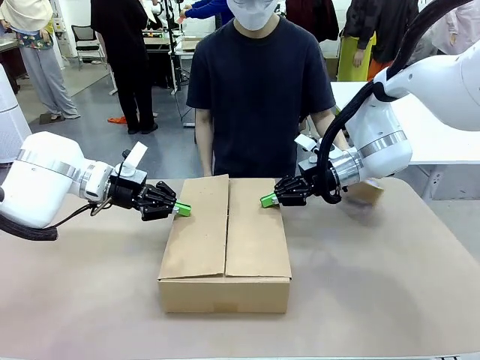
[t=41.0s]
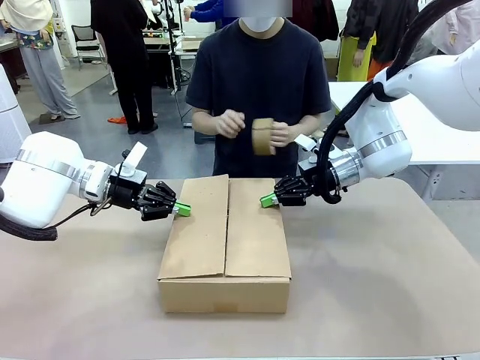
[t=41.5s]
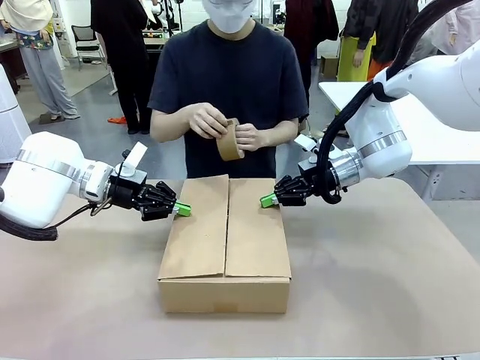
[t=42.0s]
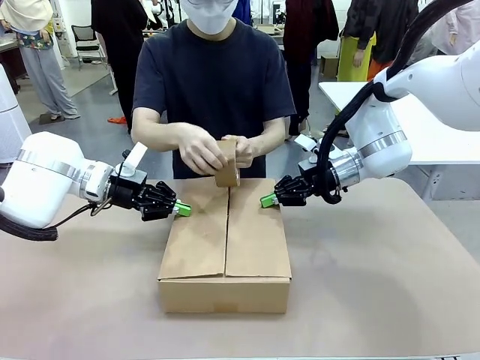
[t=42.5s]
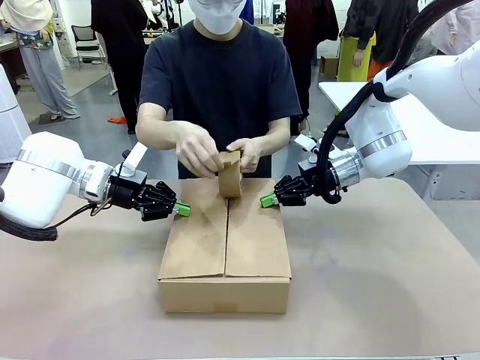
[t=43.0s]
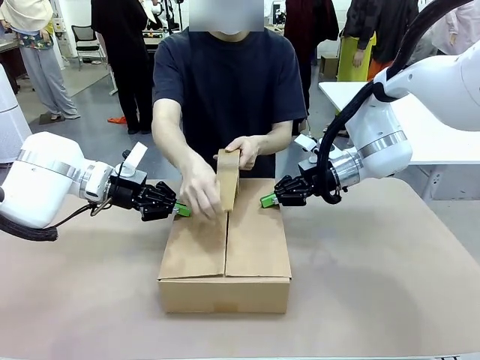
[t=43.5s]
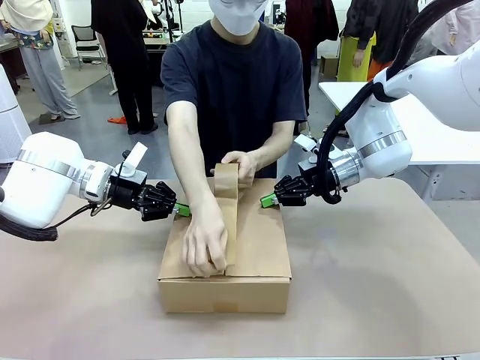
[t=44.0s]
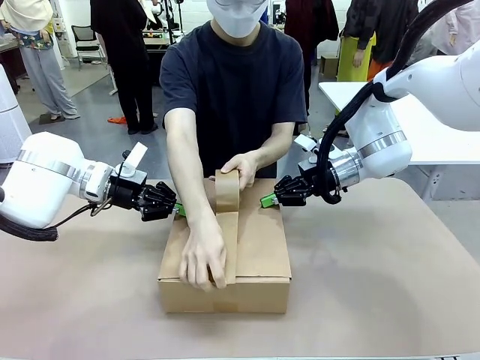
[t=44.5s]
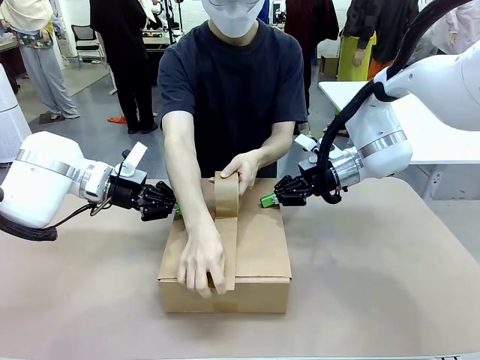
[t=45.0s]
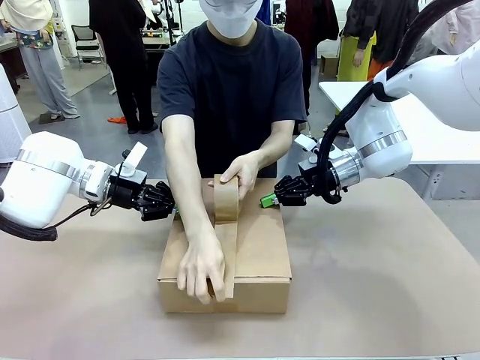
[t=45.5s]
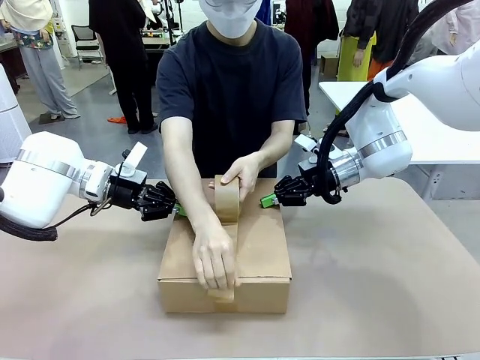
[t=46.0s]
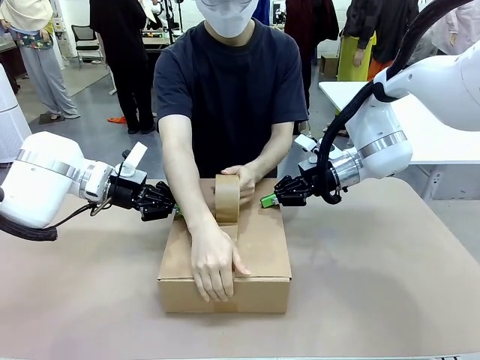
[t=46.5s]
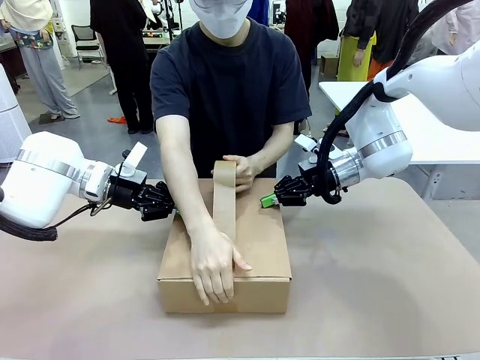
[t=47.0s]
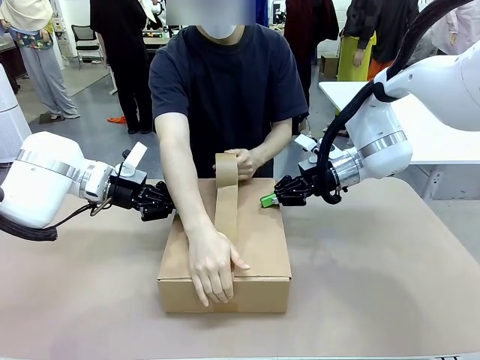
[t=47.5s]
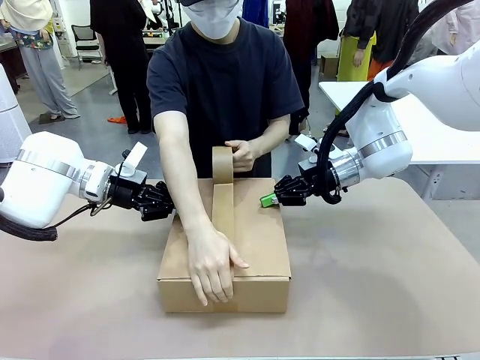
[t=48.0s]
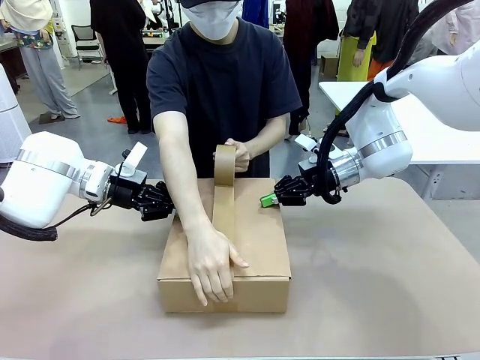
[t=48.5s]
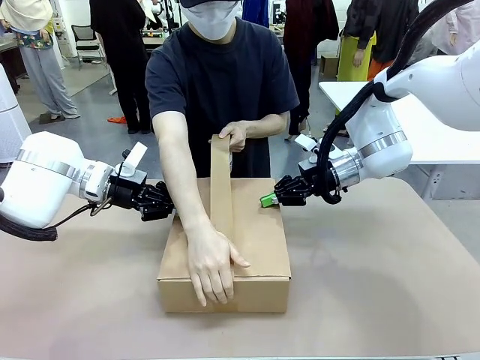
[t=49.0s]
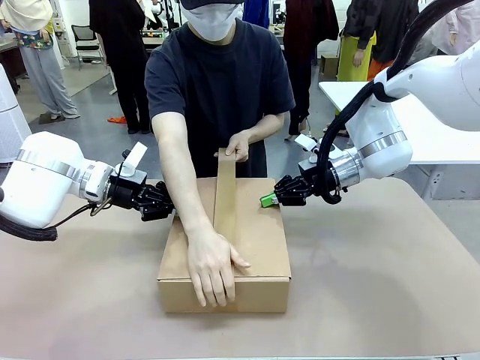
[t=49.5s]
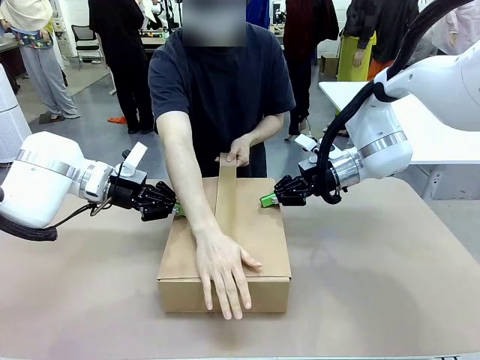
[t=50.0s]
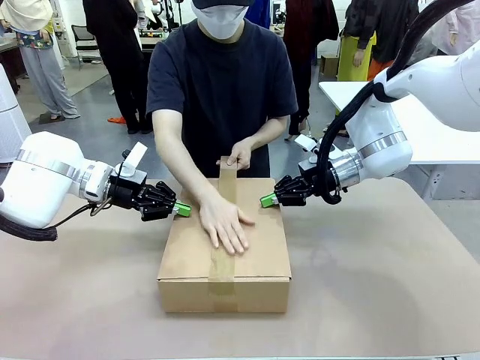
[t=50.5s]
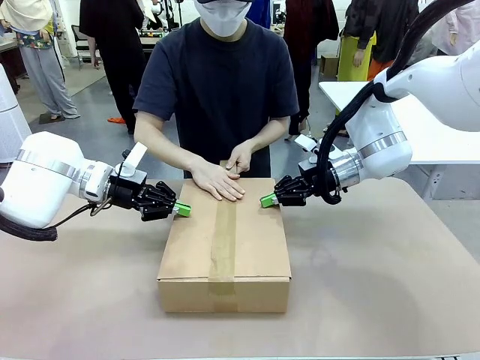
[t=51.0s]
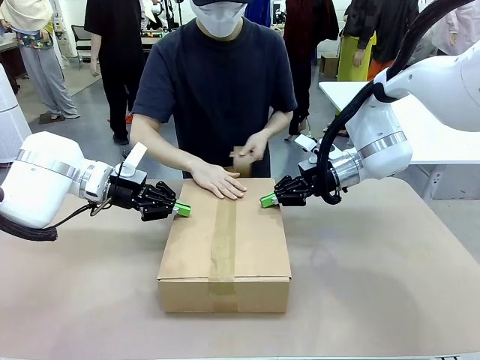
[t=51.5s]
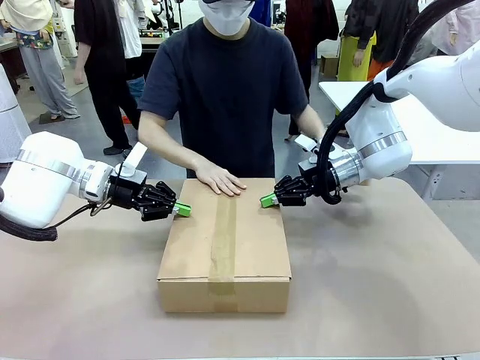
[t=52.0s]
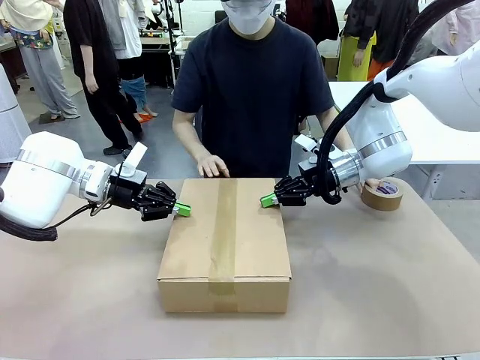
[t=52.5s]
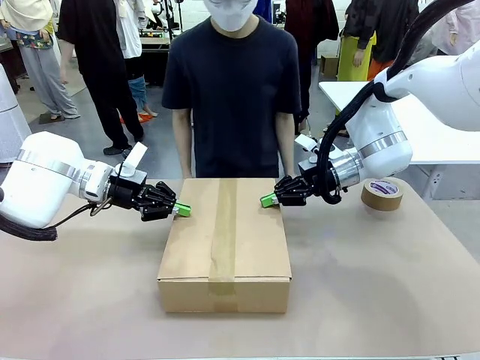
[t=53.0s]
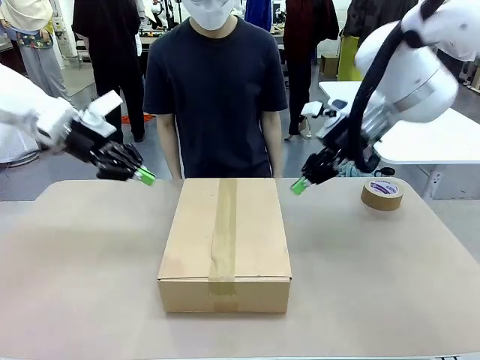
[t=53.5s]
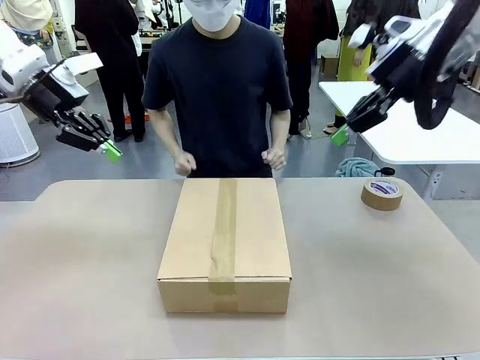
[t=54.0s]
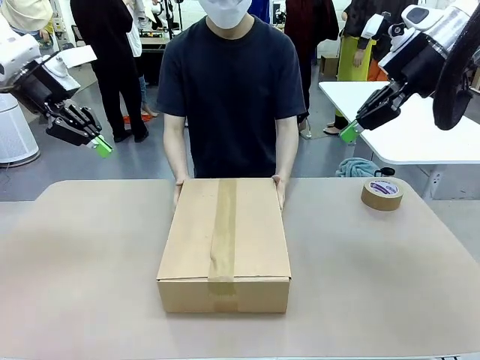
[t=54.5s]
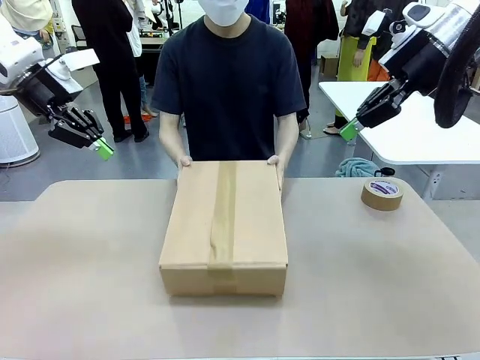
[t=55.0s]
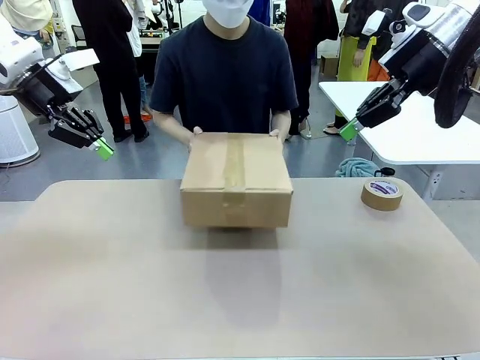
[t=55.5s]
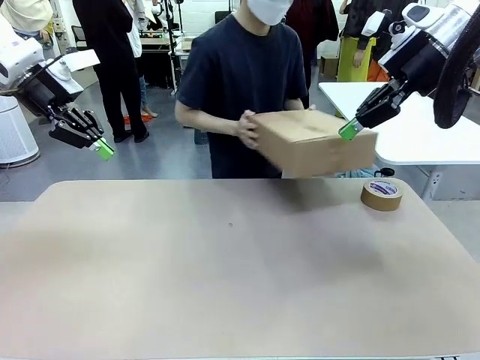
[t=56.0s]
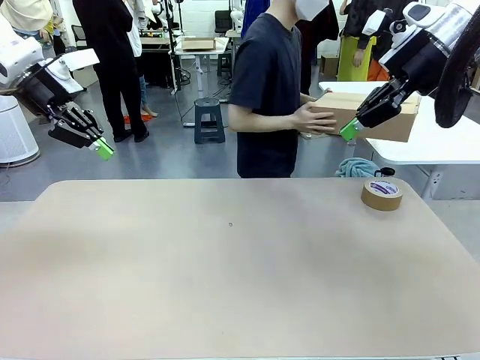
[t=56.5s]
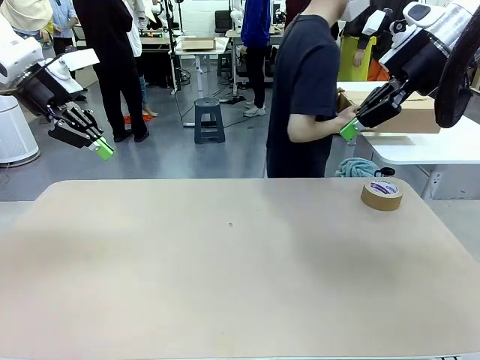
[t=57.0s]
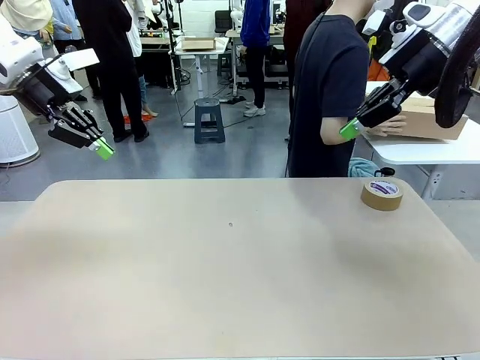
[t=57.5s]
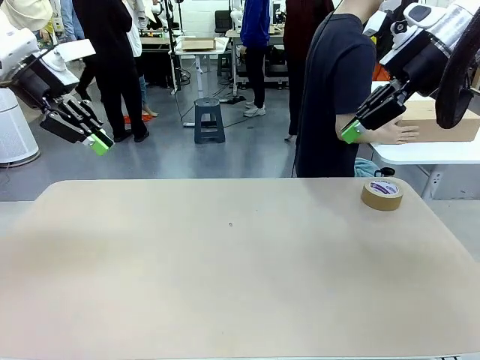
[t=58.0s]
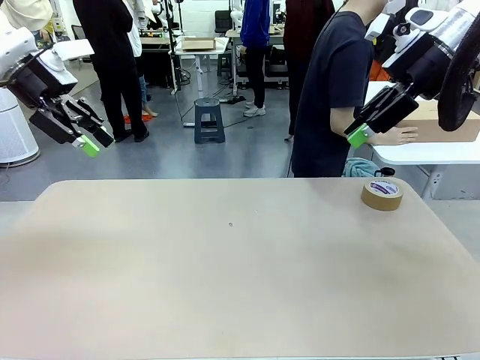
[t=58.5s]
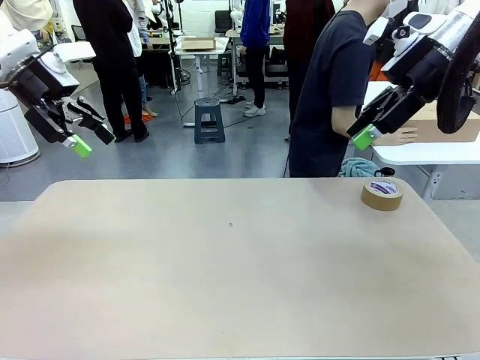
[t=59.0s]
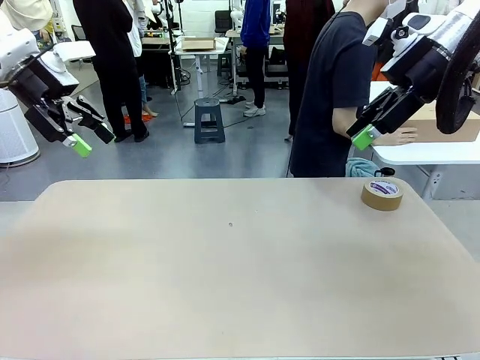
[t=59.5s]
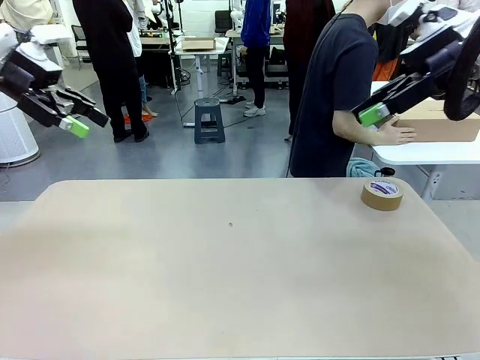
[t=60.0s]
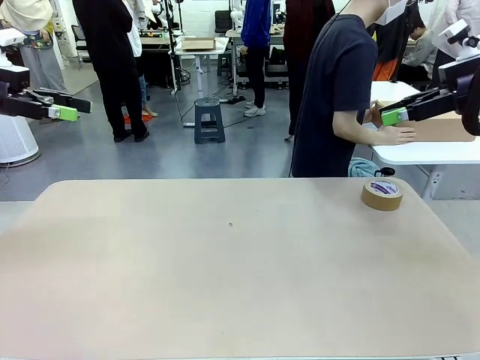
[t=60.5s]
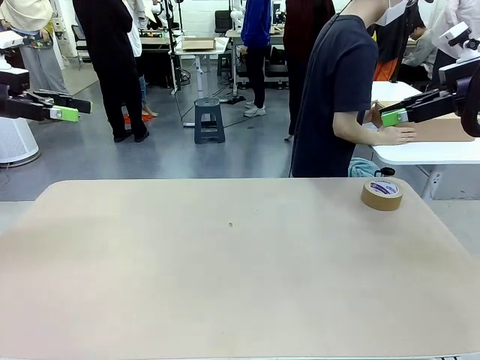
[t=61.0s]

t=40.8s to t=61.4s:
Task: Wrap the clocks to prevent damage.
Robot: After the human seals the box with tape, release both hands from the side flaps of the Package Box.
Person: Once the robot closes the left flap of the Package Box , seal the box with Paper Tape. Place sealed Package Box in the middle of the human's table.

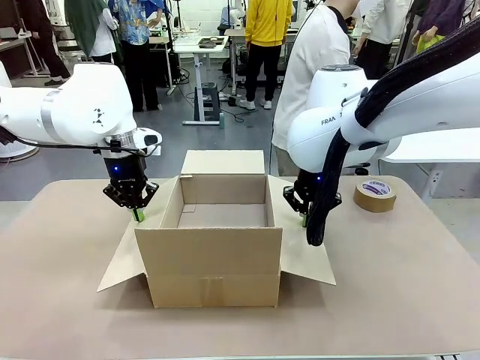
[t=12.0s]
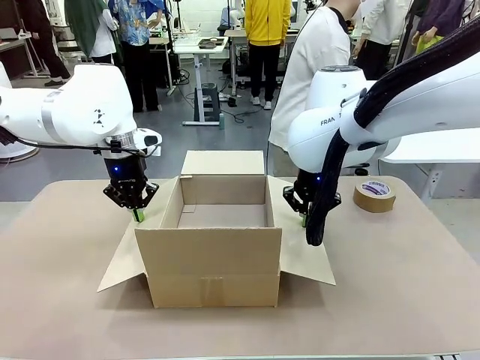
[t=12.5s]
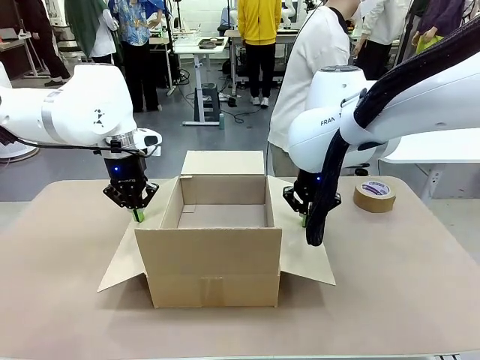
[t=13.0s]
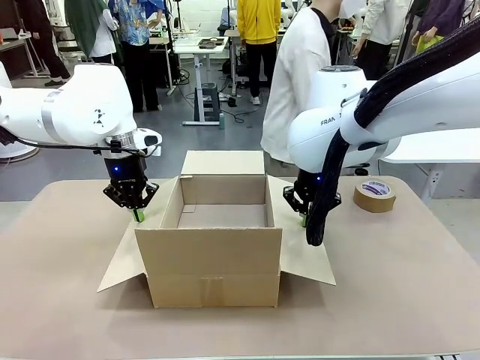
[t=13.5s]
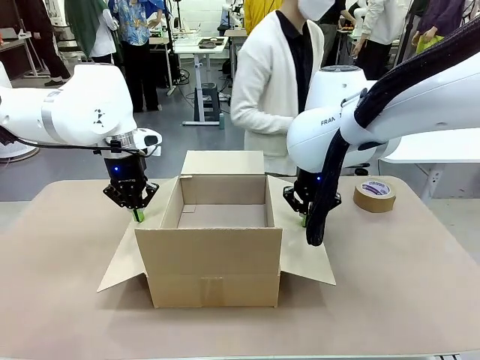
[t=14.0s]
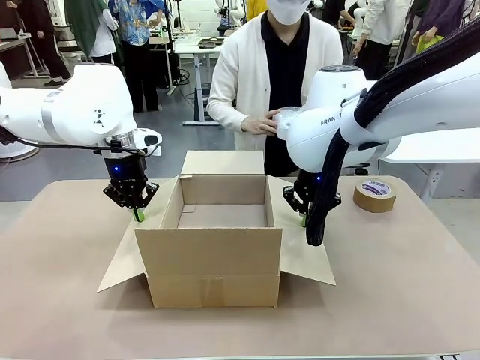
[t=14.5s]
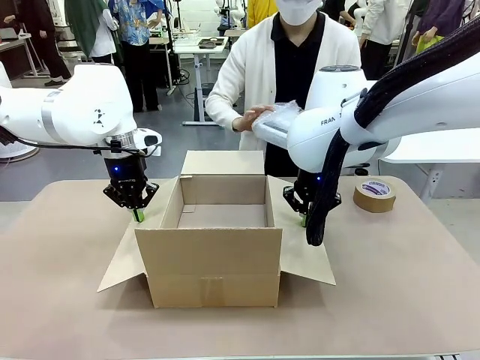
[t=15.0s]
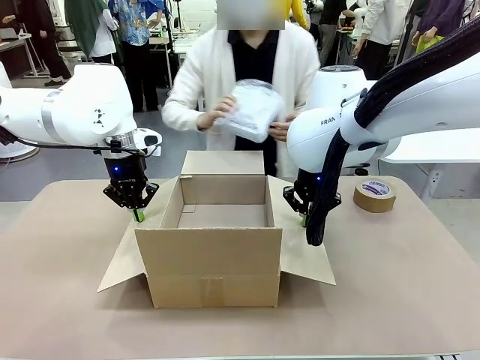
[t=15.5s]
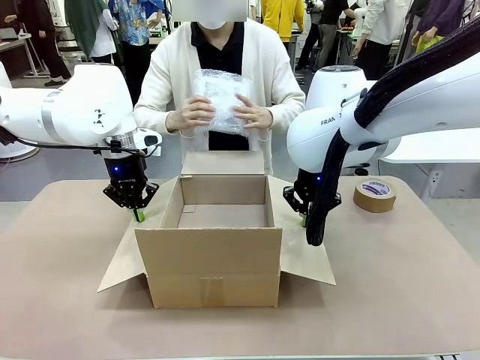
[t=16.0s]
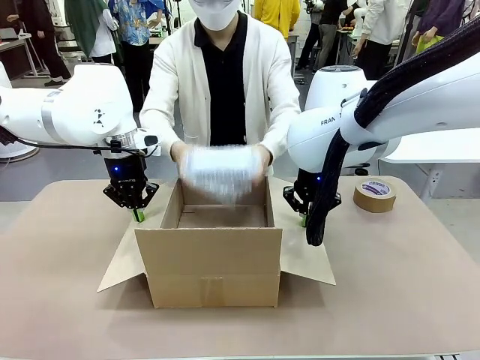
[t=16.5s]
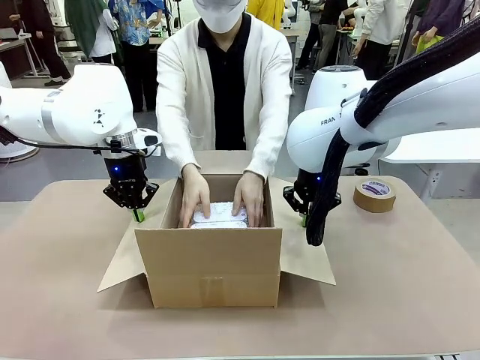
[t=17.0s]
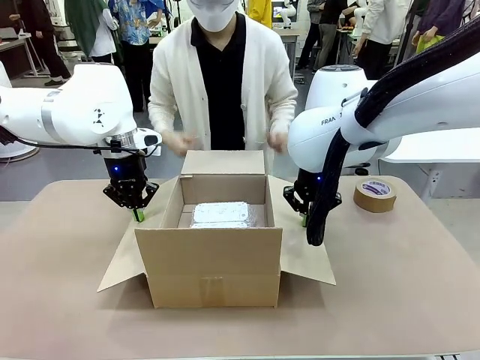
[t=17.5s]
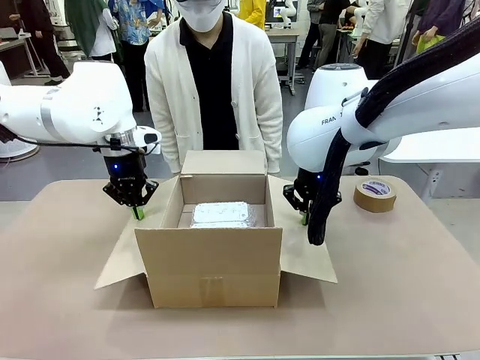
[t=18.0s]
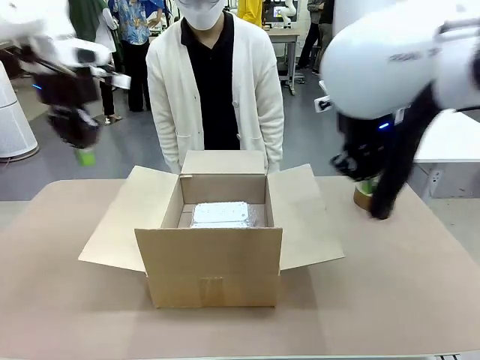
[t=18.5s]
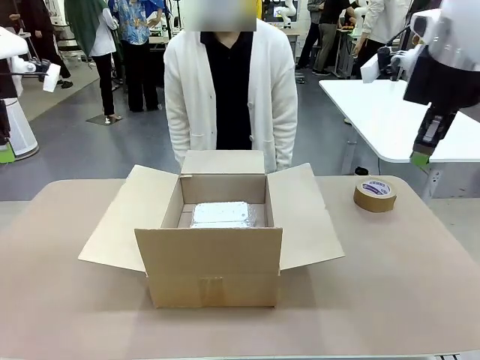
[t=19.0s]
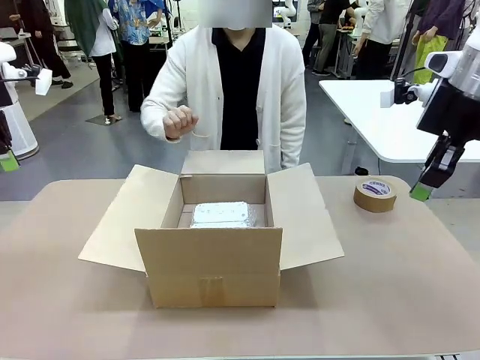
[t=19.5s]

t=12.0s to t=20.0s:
Task: Wrap the clocks to prevent damage.
Robot: Once the human has placed the objects inside and stepped back, release both hands from the side flaps of the Package Box.
Person: Place the wrapped Digital clocks inside the Package Box.
